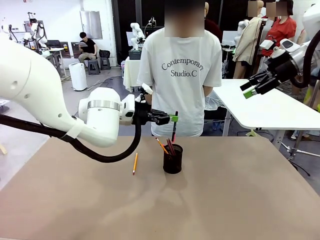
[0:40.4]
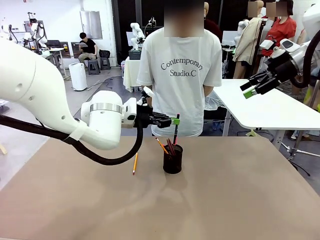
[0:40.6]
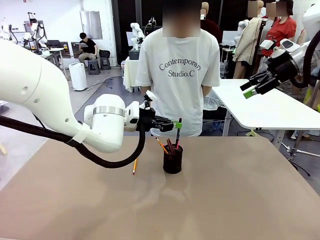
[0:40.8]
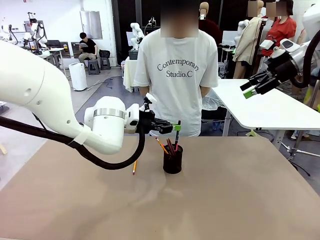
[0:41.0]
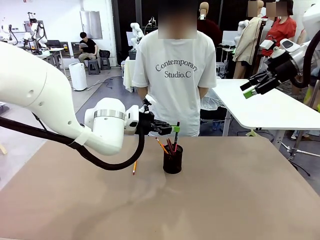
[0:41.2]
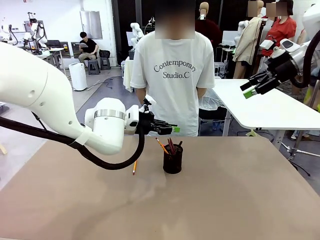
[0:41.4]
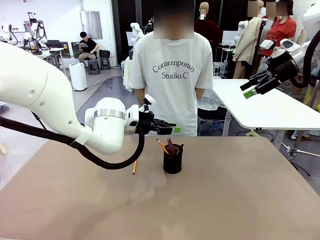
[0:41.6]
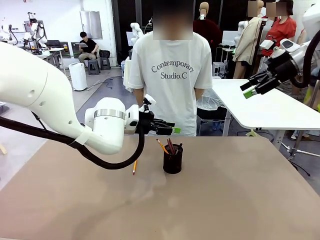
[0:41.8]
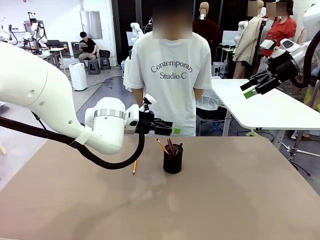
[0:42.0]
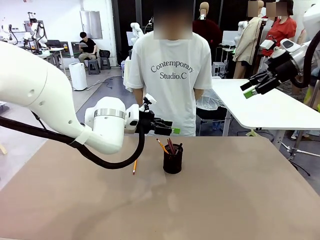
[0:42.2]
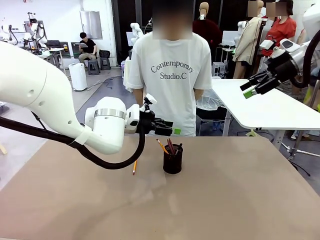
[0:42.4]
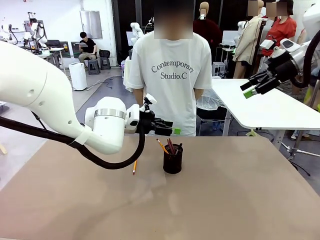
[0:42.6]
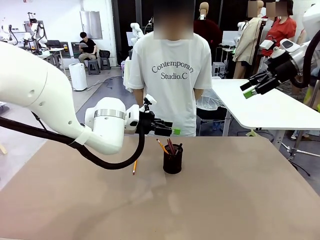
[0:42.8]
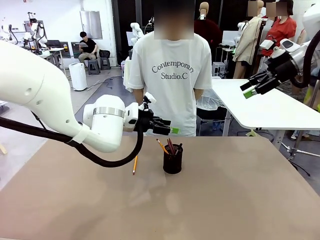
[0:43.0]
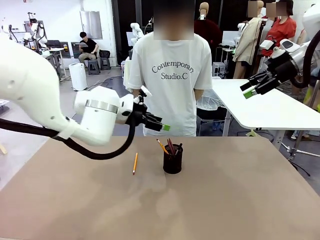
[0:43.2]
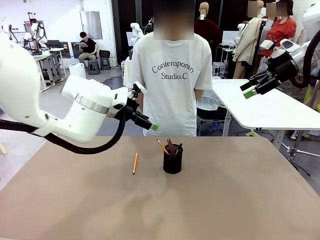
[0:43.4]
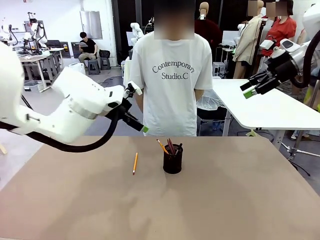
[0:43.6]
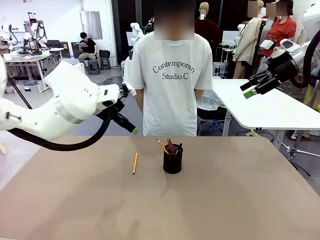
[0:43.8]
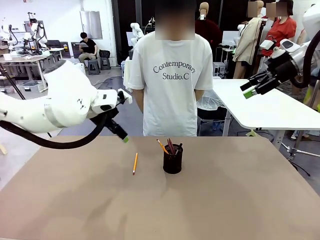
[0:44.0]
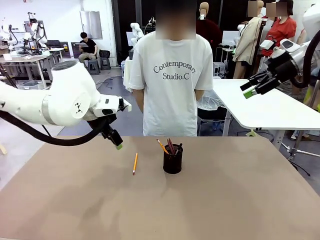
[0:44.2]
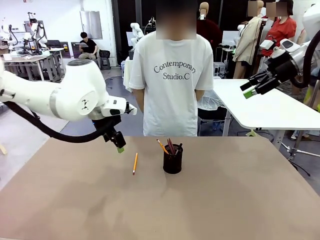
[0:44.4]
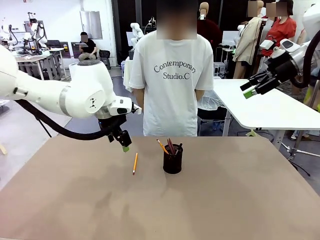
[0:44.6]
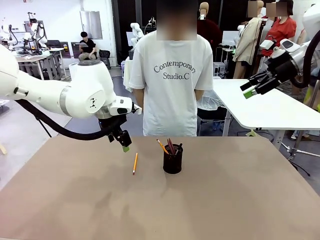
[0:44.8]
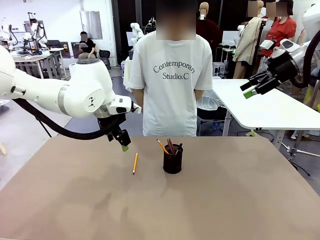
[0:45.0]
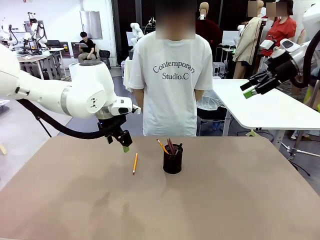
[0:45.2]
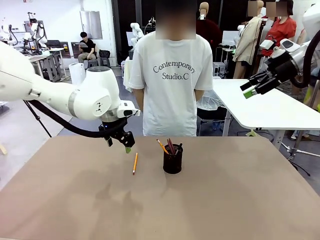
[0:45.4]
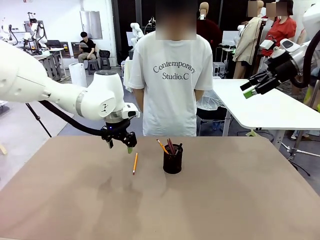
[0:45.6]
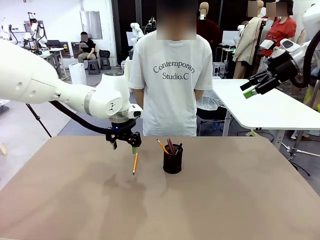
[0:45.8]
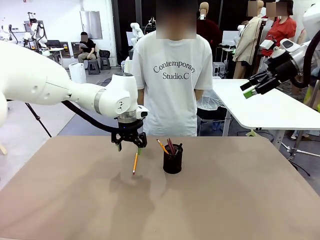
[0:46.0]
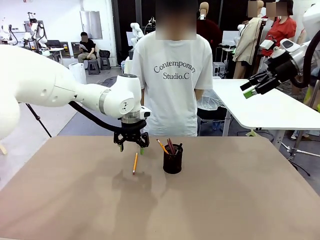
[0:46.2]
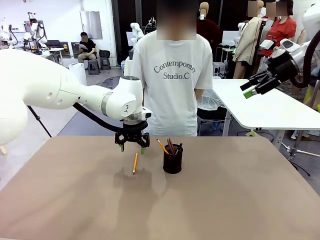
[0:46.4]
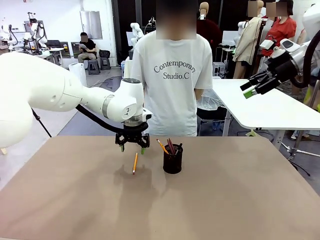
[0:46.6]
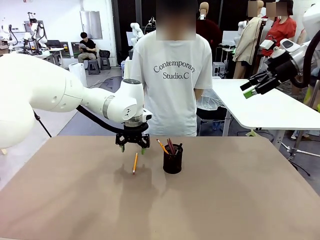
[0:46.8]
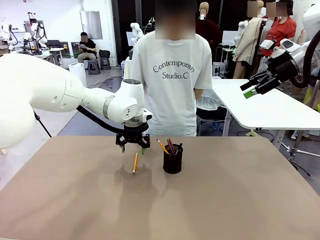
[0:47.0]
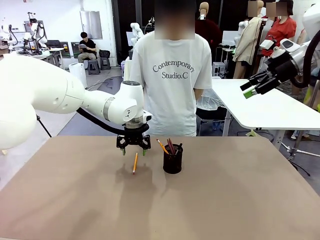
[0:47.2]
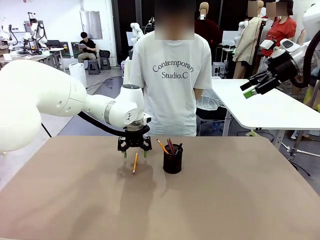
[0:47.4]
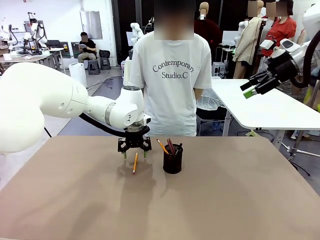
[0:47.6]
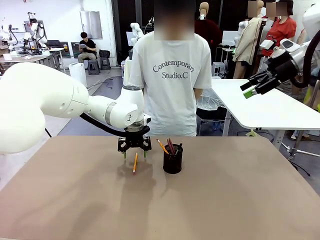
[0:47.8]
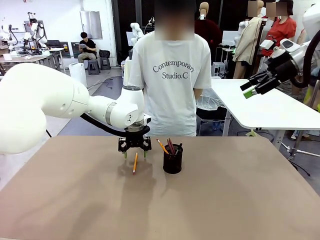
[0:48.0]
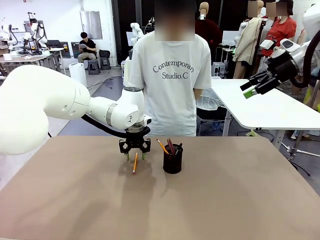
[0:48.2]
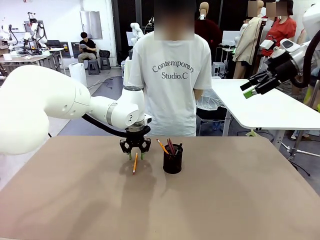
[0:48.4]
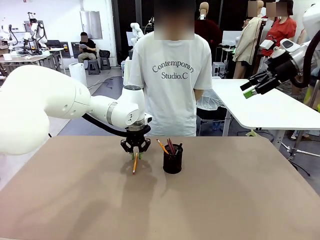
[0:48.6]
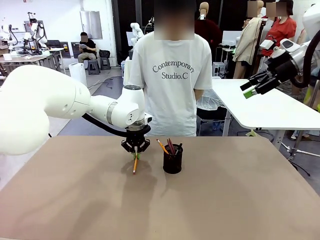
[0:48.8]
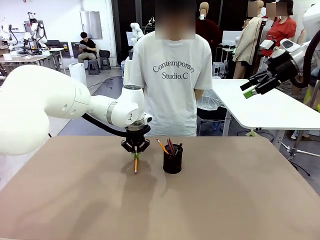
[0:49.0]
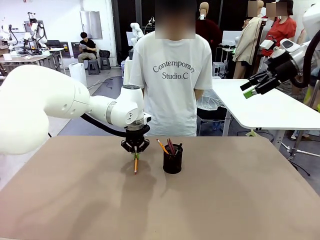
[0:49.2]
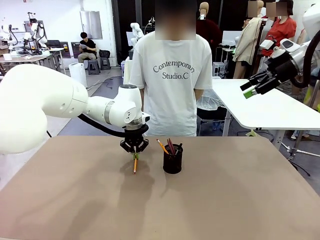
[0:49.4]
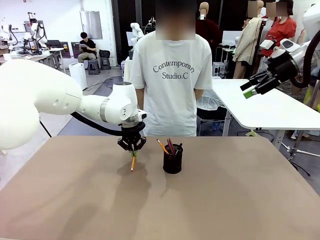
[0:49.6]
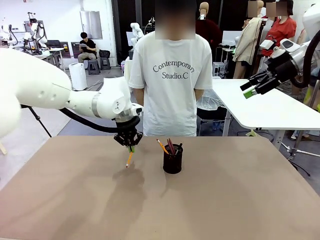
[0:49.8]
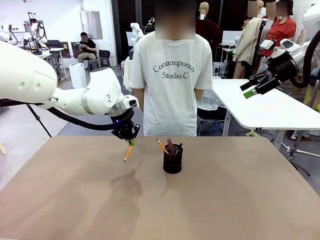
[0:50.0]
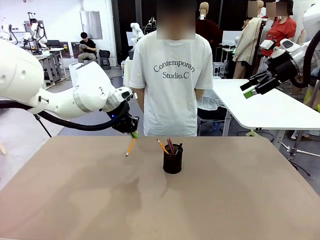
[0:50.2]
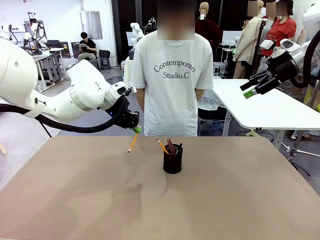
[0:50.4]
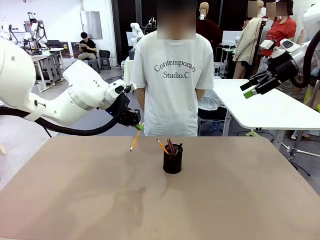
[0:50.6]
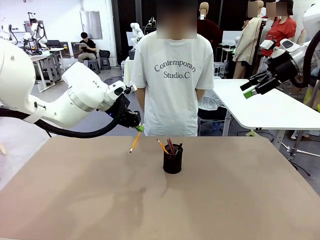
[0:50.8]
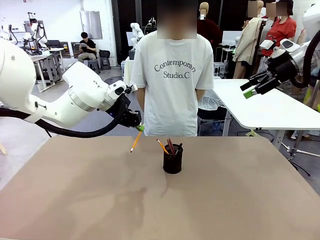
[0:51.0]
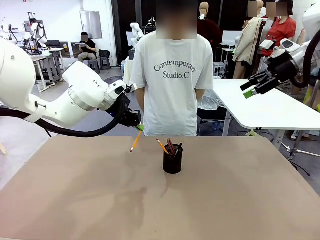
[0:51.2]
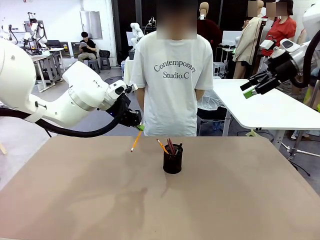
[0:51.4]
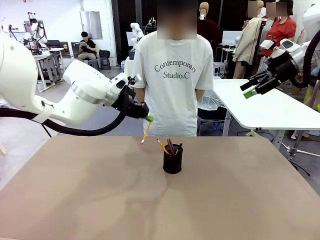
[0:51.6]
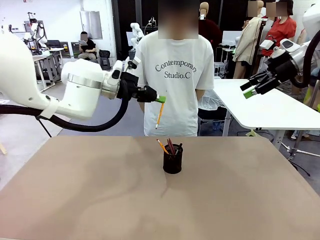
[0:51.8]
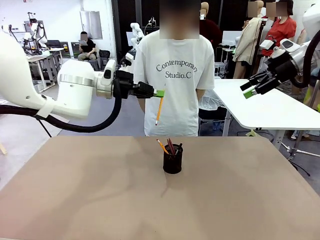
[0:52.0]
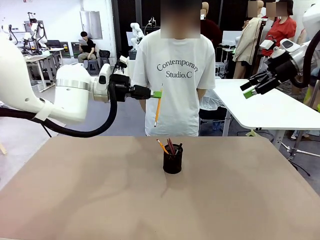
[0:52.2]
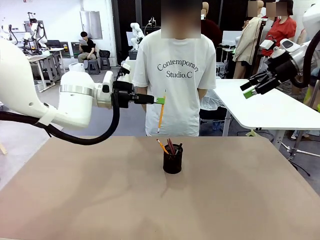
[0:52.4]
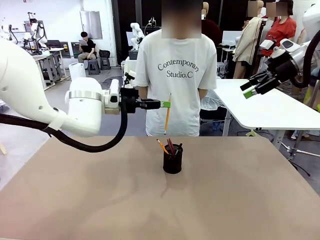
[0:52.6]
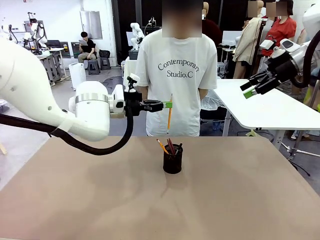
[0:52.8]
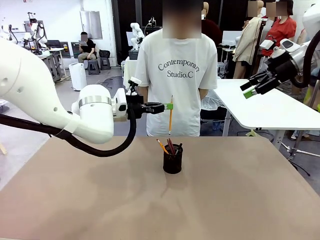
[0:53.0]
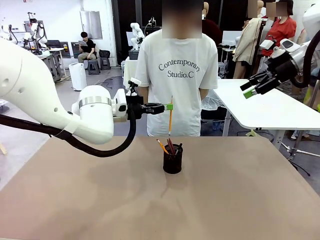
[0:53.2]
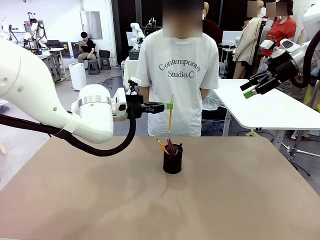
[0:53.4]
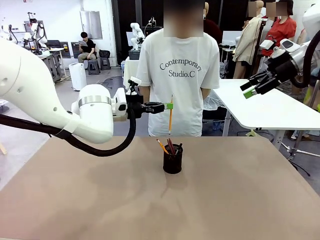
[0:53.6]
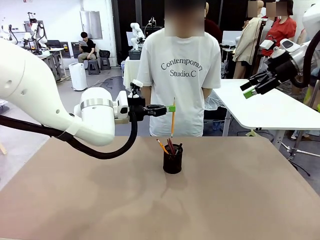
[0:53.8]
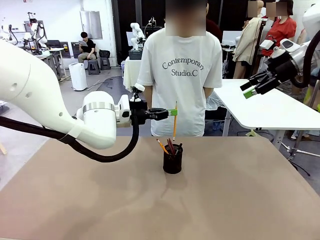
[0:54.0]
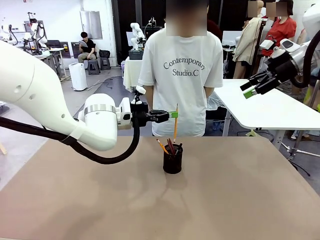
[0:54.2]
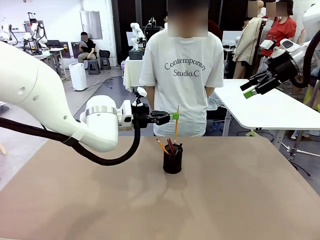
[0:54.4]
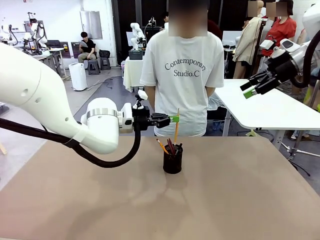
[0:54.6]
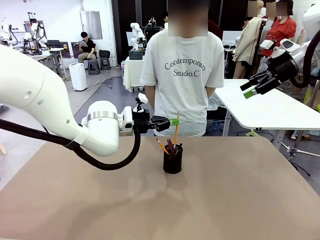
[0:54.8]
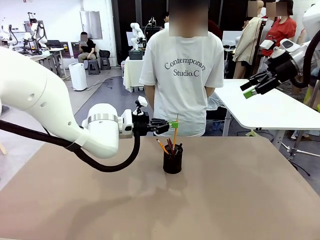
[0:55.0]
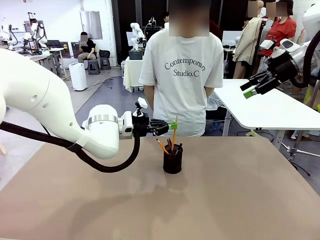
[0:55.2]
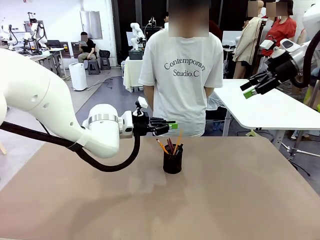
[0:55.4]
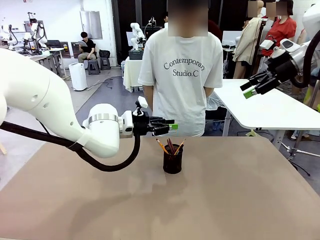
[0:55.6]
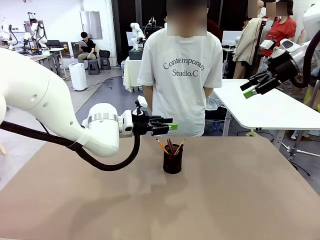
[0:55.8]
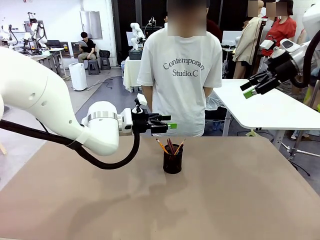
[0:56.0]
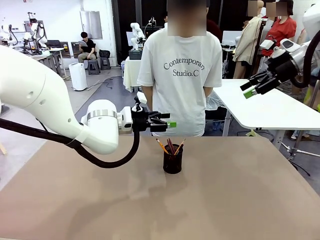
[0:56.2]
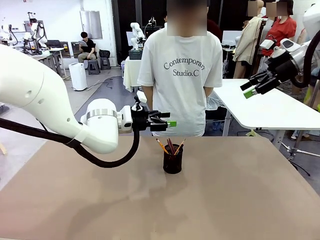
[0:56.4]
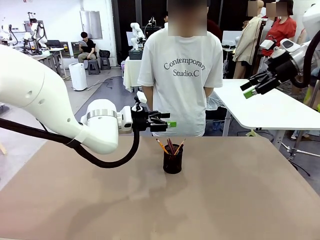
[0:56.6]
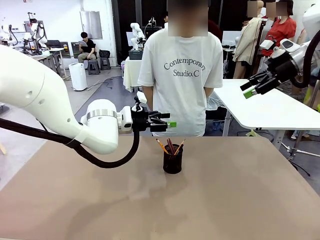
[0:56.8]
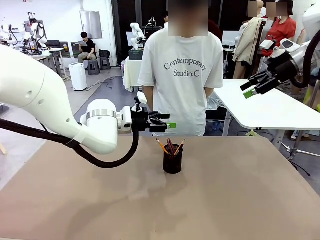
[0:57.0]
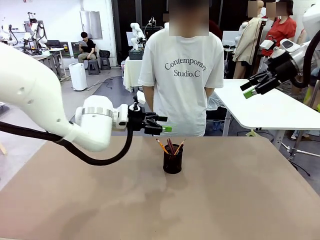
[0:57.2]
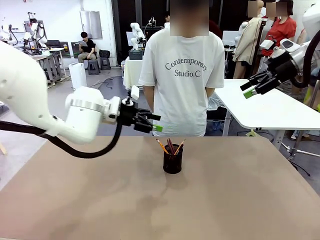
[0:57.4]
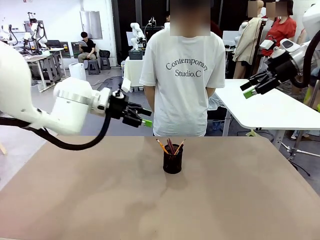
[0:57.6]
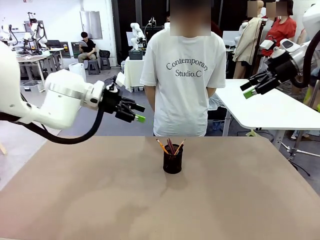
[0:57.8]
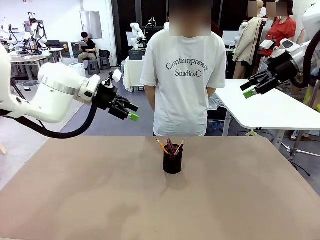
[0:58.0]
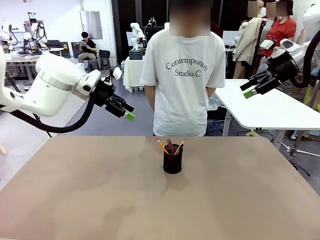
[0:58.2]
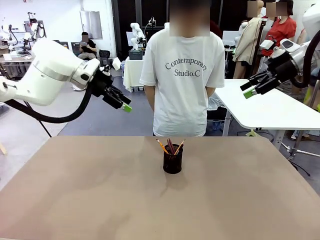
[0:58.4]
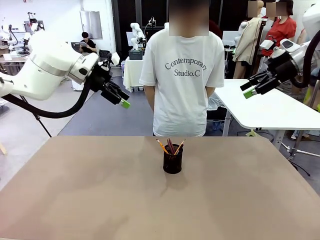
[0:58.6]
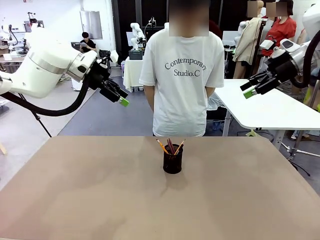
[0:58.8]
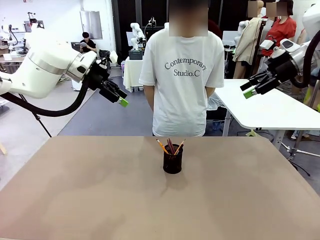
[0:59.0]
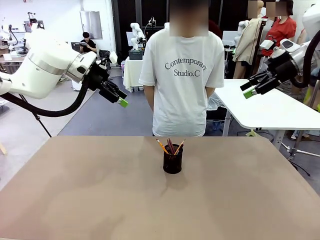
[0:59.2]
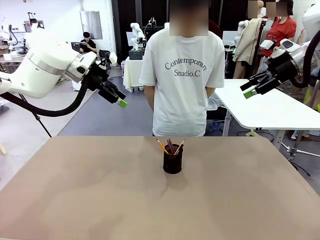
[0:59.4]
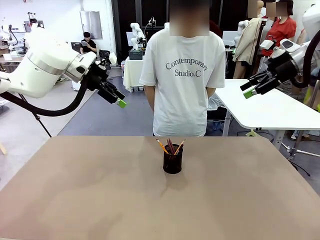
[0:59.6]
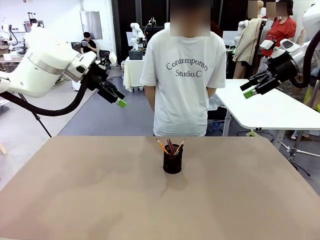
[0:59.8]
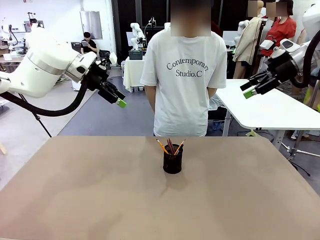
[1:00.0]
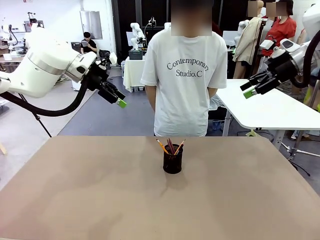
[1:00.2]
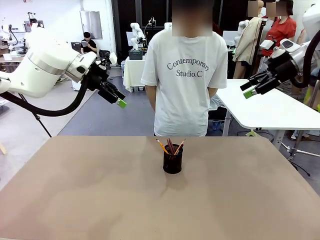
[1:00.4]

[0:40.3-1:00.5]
Task: Place the pens into the pen holder.
Robot: Pick up a writing instrument from the table and place it into the Pen holder.
